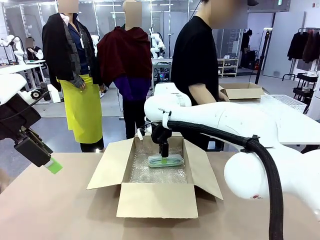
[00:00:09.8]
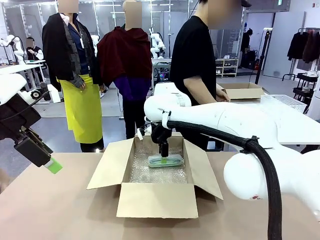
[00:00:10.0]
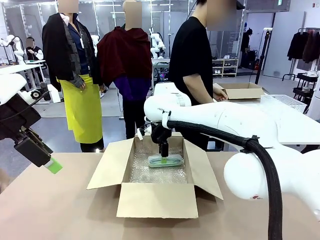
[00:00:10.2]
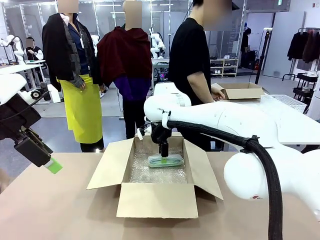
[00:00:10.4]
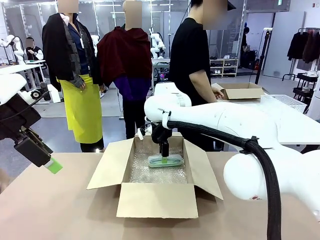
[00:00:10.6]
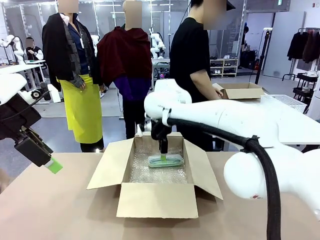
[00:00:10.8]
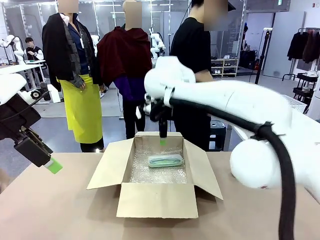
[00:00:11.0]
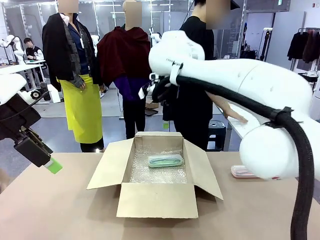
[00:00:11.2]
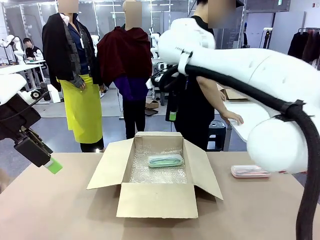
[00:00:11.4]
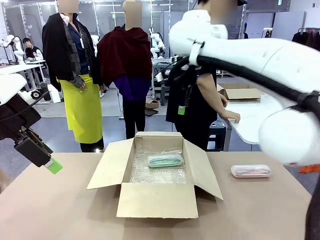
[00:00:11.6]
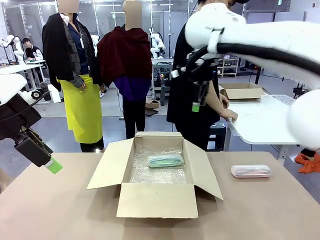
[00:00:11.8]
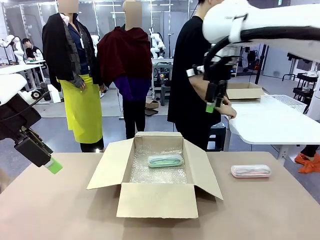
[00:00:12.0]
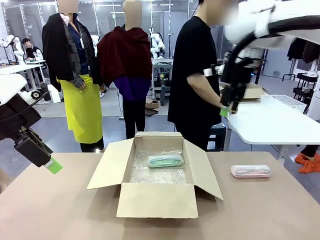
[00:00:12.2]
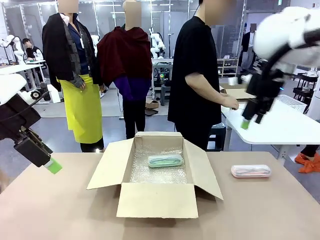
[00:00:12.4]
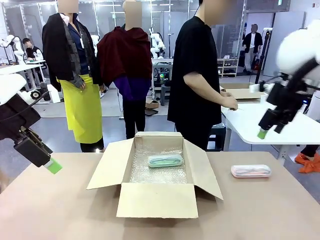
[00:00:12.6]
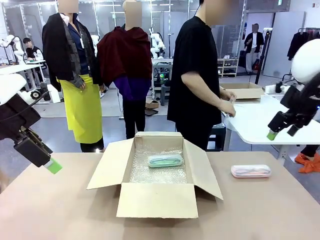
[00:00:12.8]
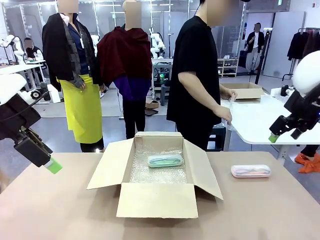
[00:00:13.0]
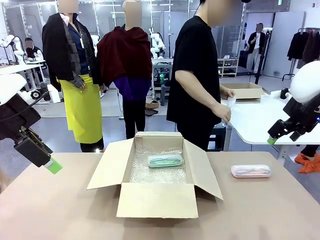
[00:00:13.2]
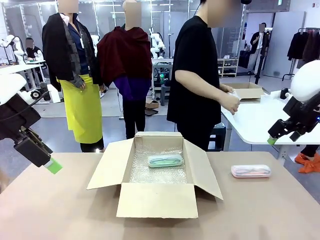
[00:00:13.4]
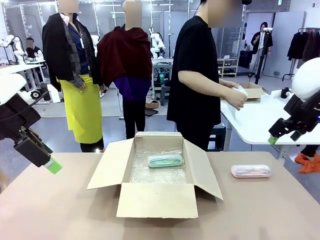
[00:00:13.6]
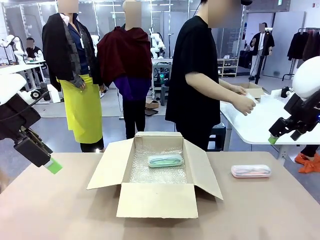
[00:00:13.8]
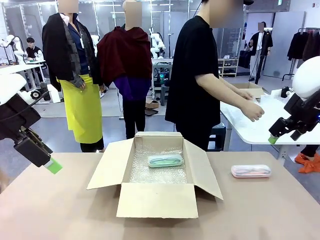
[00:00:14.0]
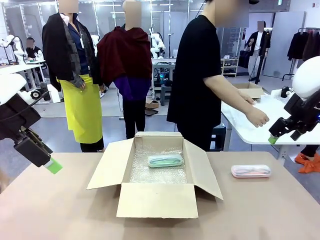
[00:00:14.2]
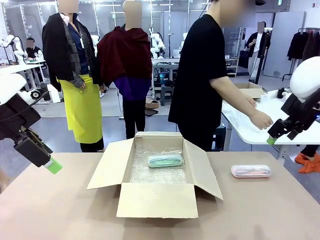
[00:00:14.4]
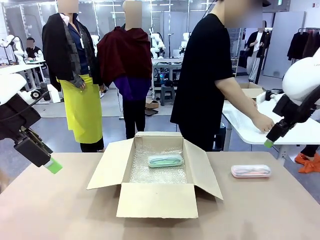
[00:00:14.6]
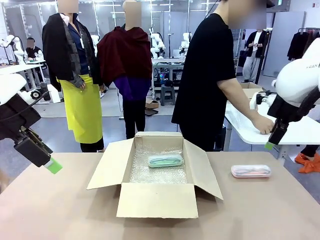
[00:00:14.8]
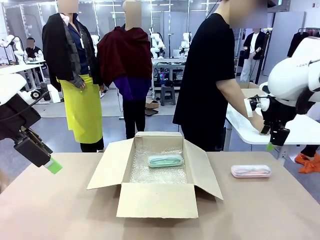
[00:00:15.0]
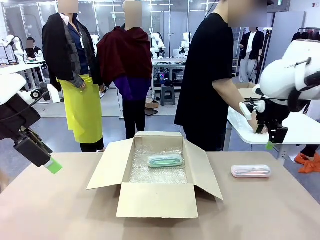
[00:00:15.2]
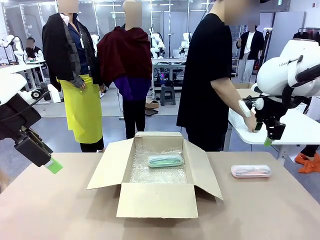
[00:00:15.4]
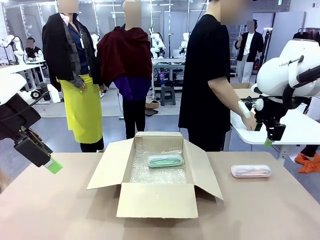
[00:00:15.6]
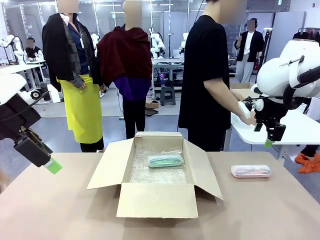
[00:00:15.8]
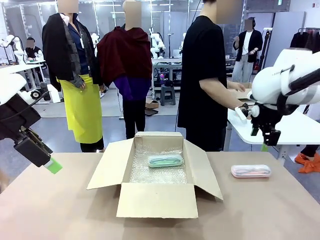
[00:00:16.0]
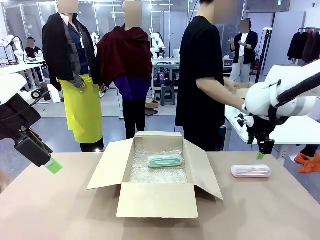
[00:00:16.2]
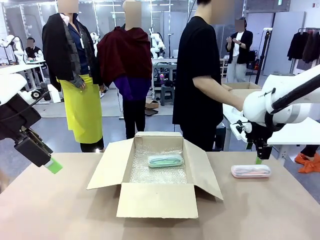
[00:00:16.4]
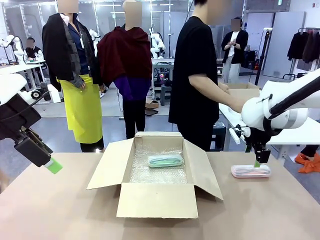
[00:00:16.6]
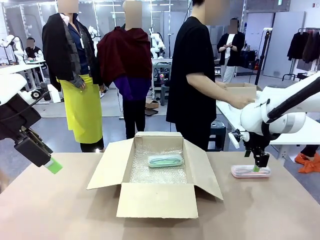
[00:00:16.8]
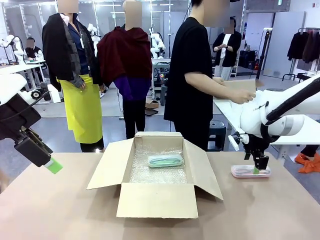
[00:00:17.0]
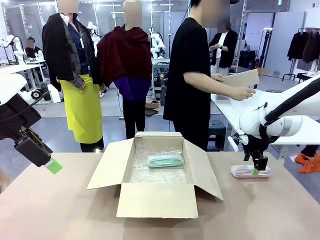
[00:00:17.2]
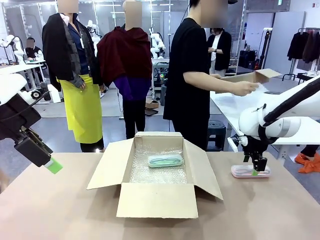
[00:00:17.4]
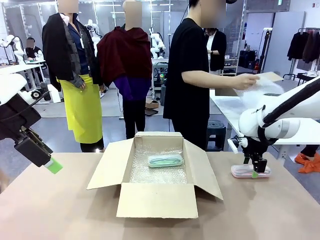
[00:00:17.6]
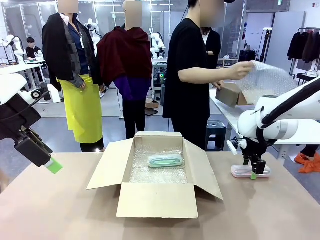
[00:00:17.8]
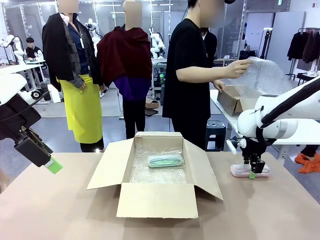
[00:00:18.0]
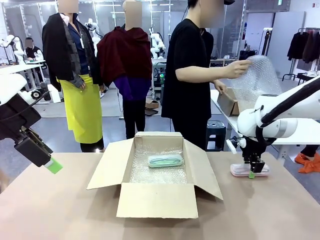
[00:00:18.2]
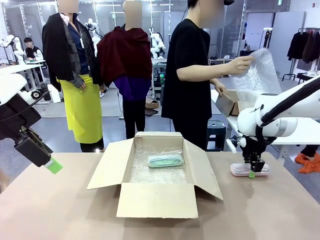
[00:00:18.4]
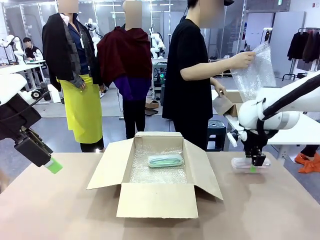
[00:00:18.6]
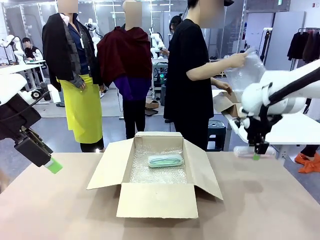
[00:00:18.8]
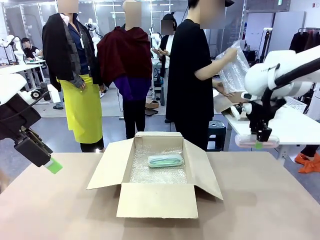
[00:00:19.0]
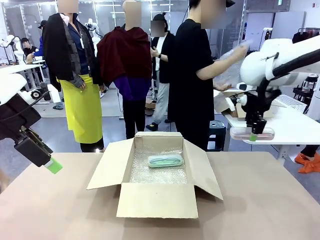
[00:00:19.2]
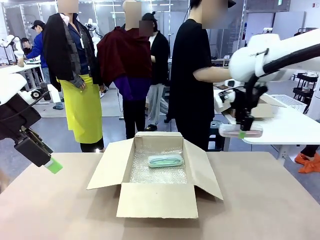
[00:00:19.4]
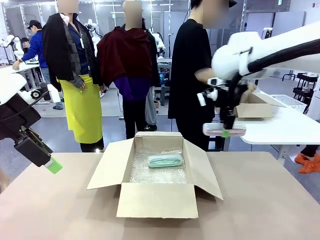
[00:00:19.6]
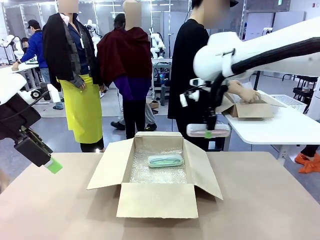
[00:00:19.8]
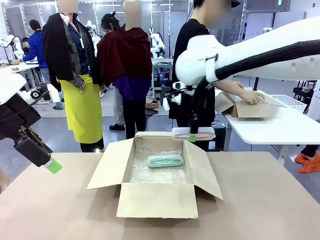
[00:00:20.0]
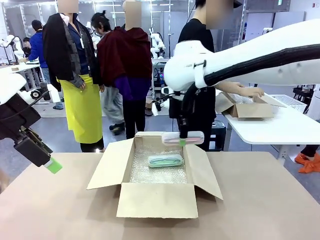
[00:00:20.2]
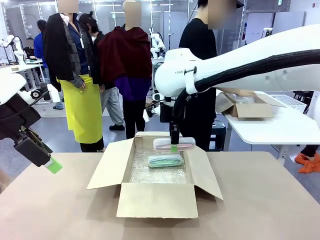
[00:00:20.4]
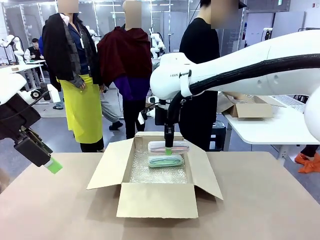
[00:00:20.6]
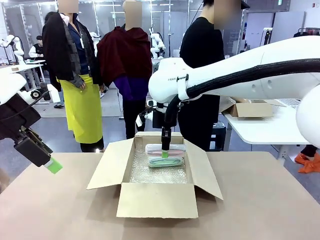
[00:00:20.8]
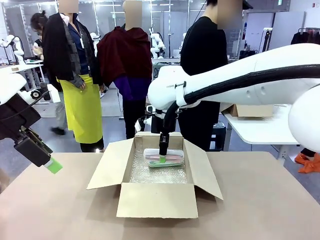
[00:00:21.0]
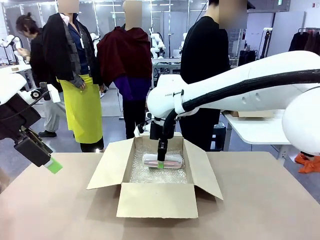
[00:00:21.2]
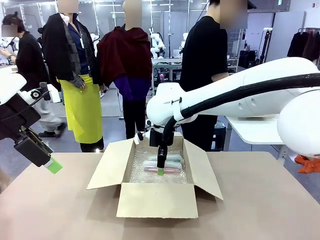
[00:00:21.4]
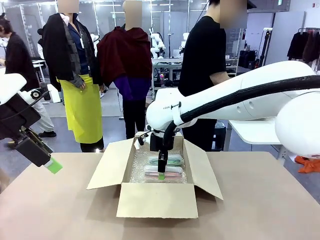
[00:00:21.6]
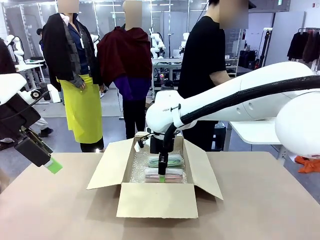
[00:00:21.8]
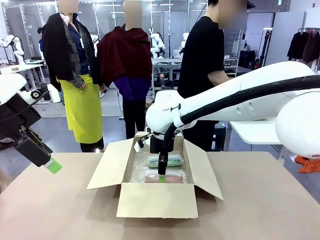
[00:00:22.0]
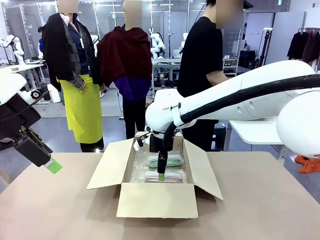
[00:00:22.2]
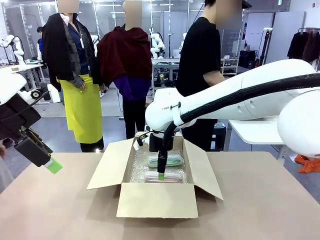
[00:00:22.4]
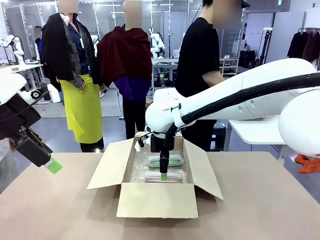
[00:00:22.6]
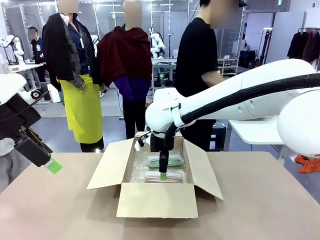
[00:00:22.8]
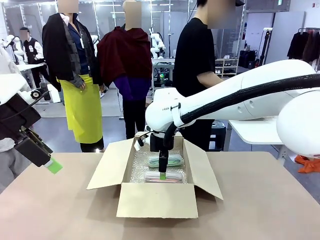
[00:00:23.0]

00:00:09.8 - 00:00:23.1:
Task: Pack the glasses set securely to prepare it for shipping.
Robot: Put the Glasses case from the right side of the table into the Package Box.
